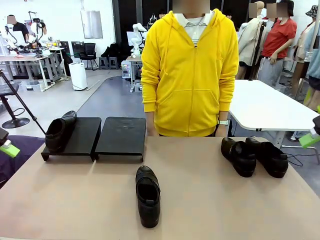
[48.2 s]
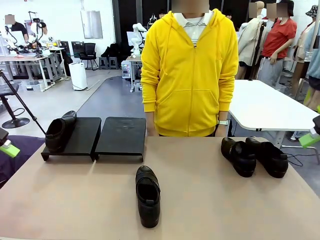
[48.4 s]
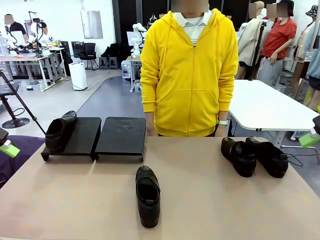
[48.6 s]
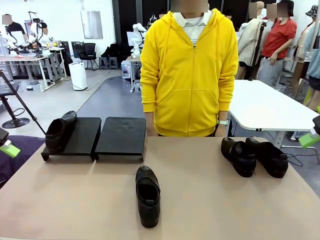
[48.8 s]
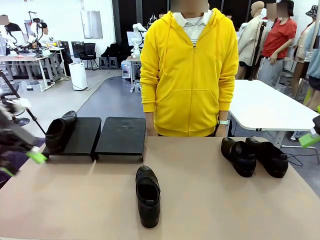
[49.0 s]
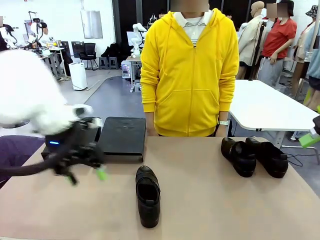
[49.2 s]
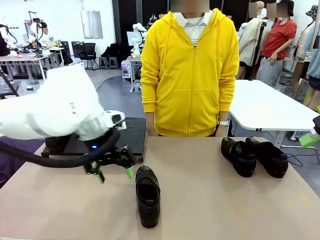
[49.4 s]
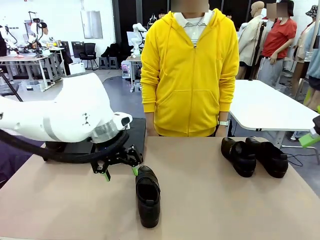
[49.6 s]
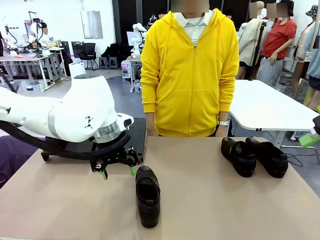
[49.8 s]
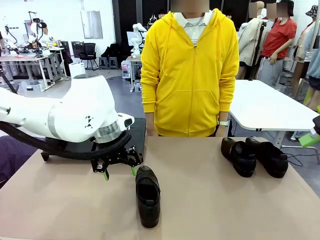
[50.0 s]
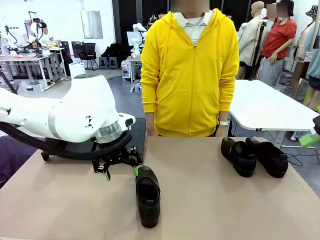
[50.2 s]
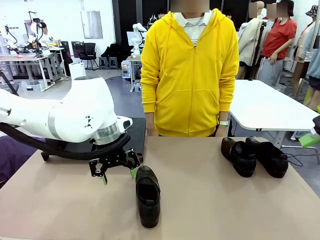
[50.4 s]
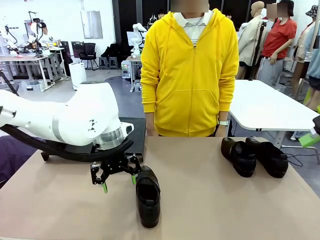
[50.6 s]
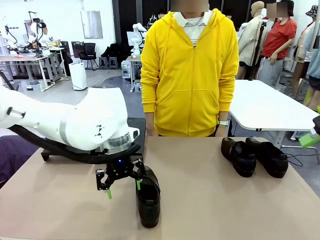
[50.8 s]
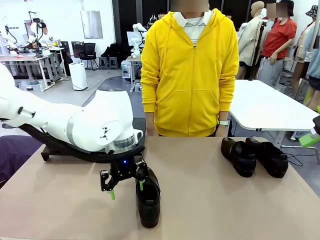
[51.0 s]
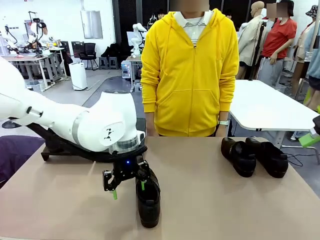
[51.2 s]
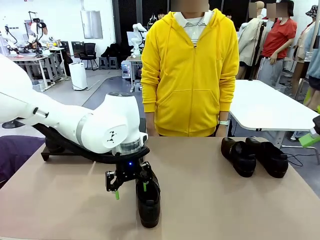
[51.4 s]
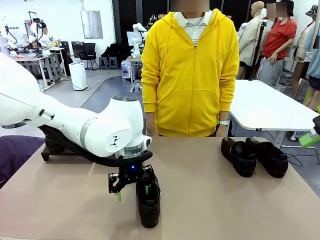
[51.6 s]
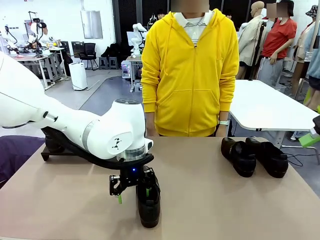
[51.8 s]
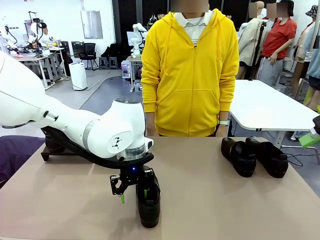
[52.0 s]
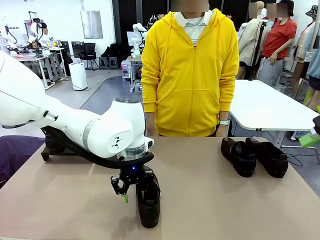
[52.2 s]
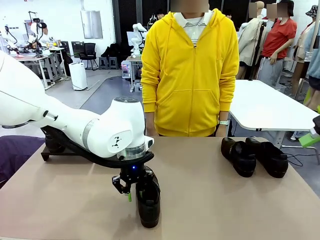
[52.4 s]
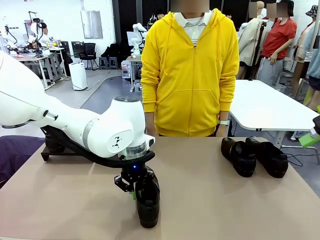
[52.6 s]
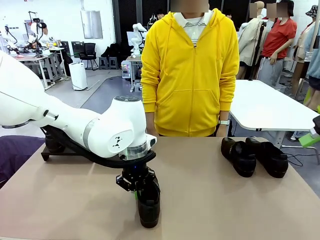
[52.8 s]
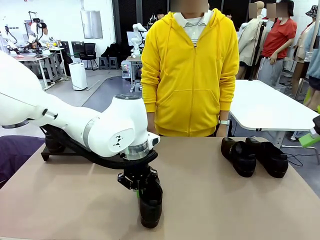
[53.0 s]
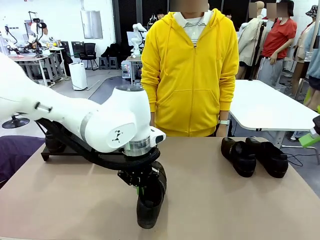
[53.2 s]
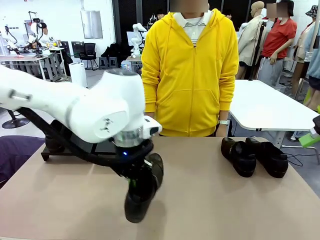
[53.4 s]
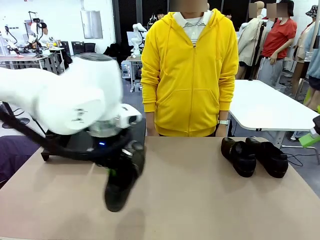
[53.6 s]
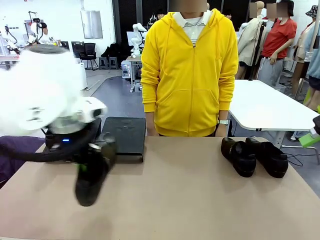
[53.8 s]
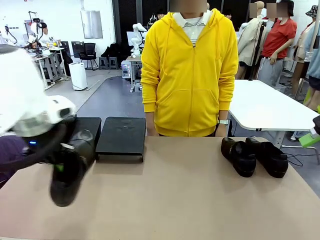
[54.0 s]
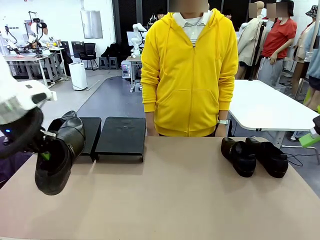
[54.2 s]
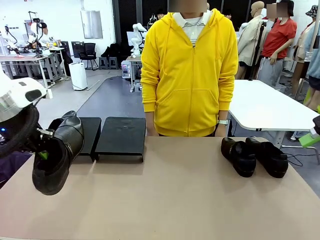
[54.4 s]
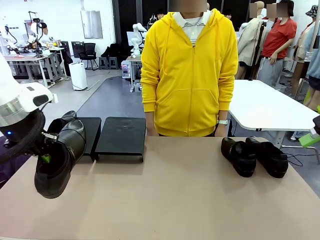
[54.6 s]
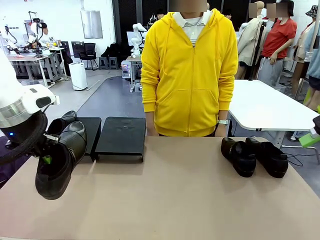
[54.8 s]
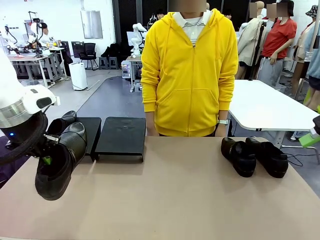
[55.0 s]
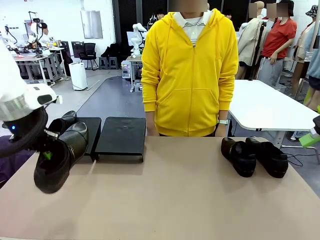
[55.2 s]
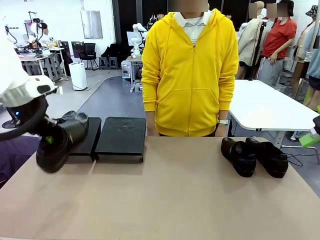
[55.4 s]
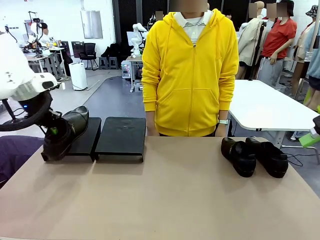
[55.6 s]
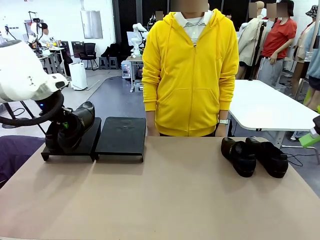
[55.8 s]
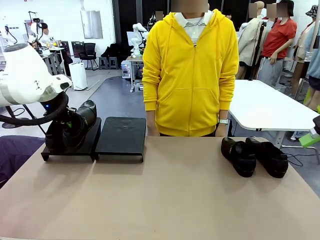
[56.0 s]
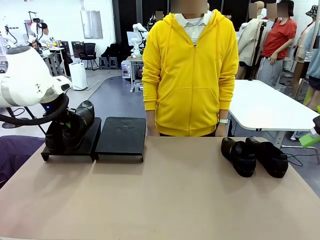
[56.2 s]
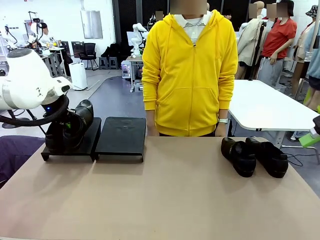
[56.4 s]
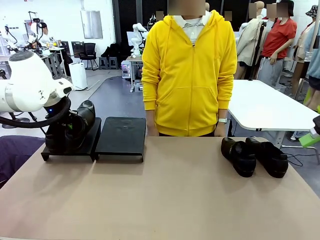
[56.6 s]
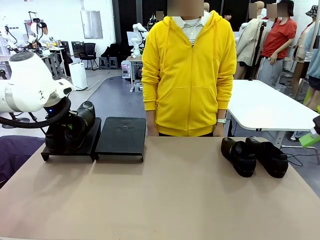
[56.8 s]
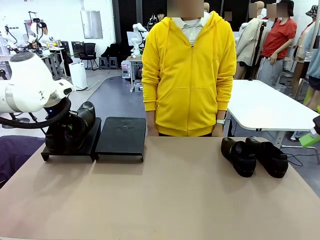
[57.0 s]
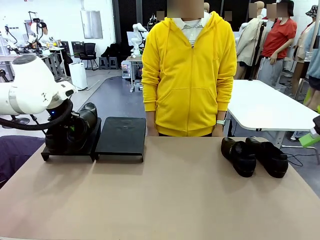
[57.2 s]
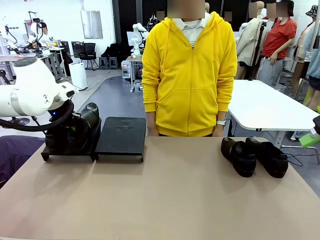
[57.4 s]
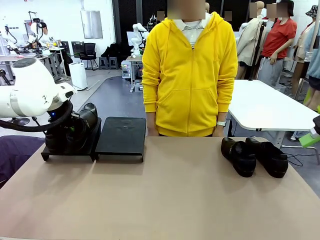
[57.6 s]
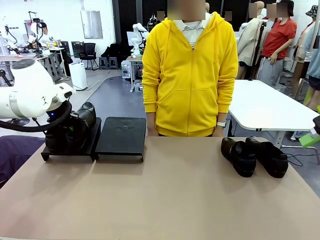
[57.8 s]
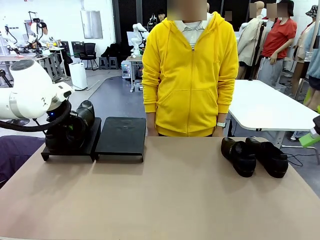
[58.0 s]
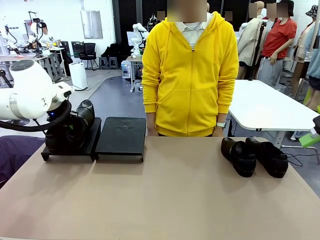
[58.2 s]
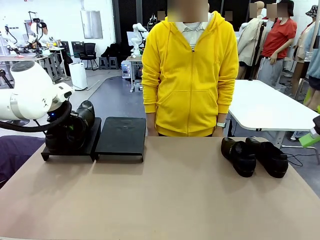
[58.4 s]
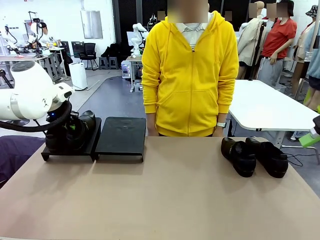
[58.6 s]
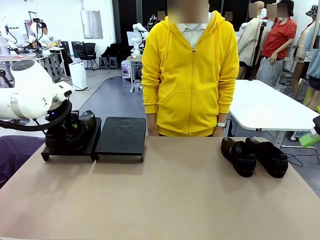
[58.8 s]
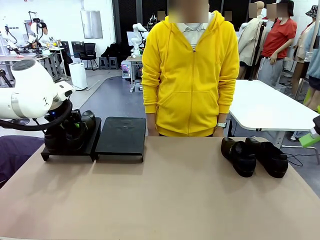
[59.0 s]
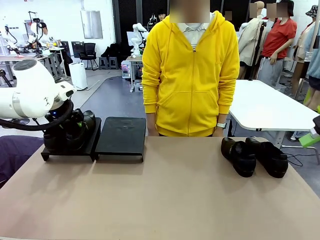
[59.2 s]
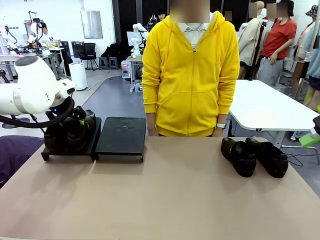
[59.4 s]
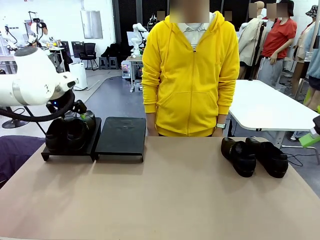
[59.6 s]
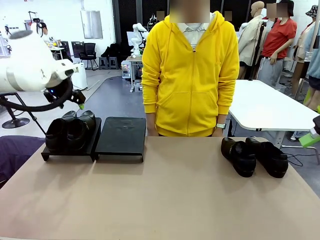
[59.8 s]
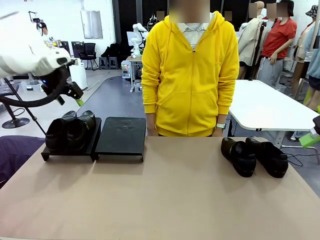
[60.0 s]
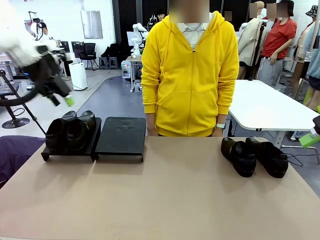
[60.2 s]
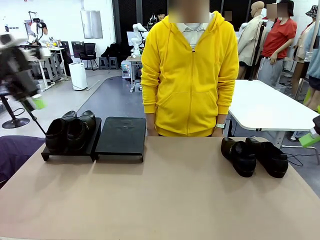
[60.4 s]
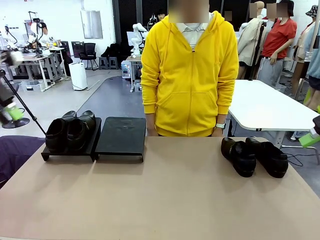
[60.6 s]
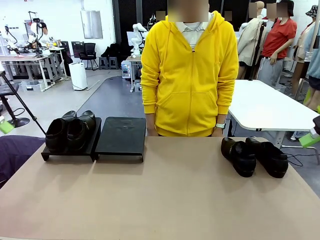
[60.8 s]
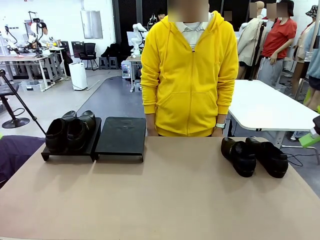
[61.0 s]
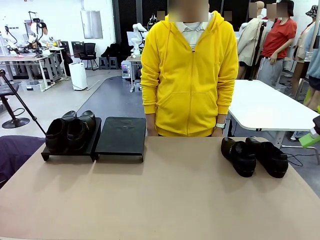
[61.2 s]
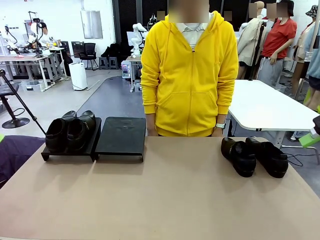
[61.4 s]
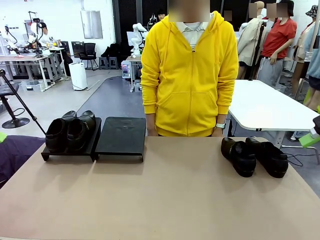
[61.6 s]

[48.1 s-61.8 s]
Task: Organize the shoes by placing them on the stand.
Robot: Place the Shoe from the middle of the table onto the Shoes Stand.

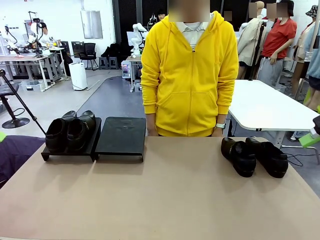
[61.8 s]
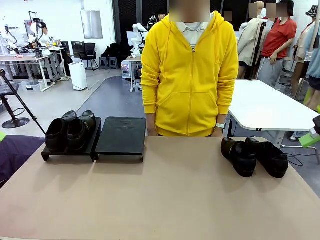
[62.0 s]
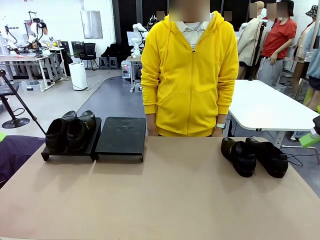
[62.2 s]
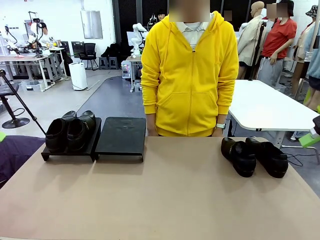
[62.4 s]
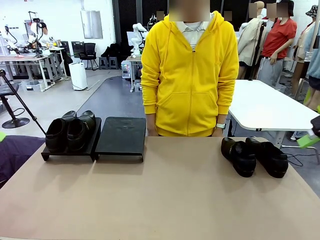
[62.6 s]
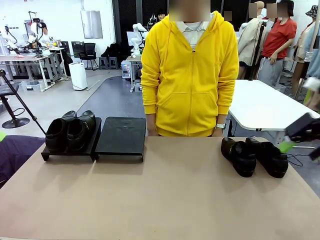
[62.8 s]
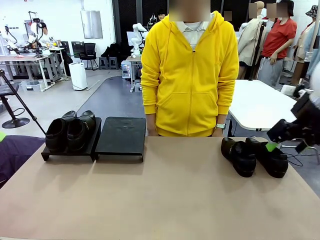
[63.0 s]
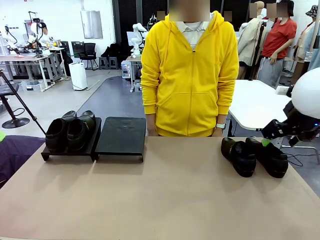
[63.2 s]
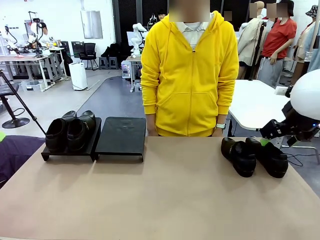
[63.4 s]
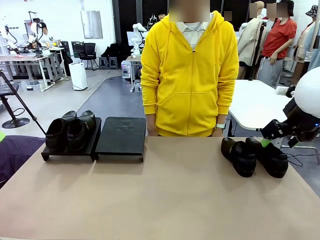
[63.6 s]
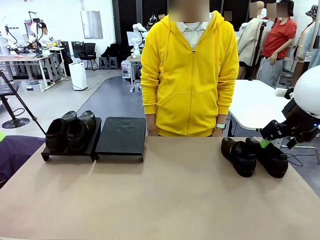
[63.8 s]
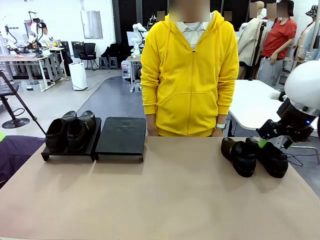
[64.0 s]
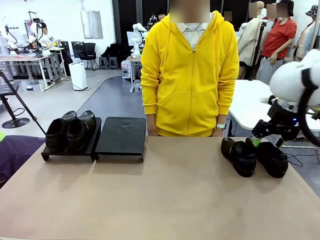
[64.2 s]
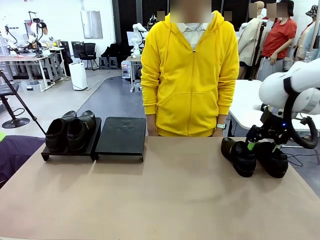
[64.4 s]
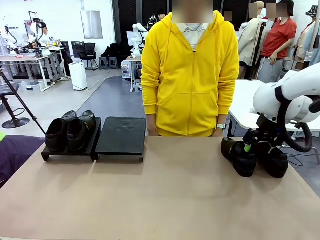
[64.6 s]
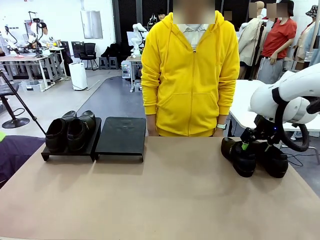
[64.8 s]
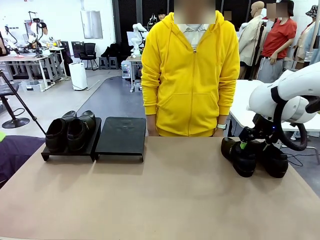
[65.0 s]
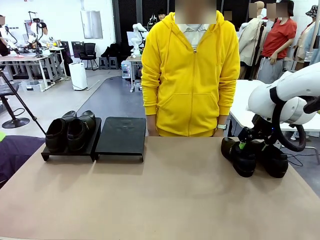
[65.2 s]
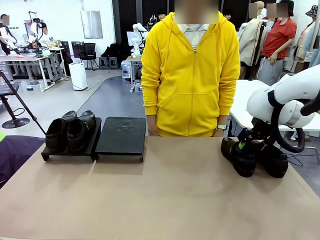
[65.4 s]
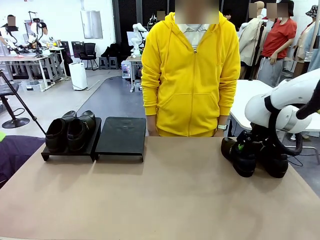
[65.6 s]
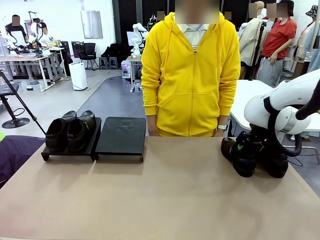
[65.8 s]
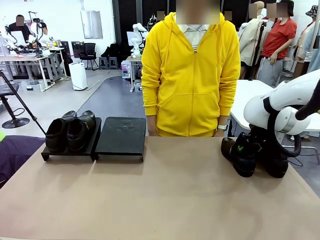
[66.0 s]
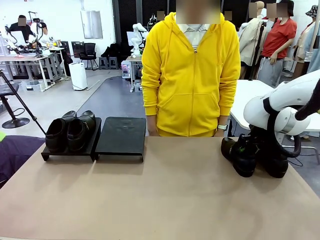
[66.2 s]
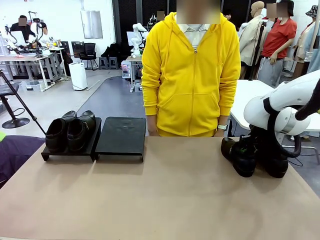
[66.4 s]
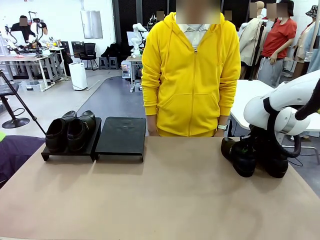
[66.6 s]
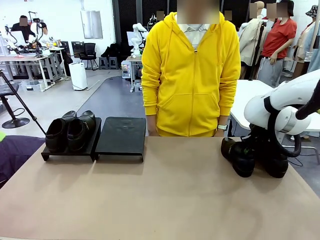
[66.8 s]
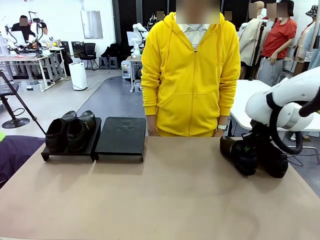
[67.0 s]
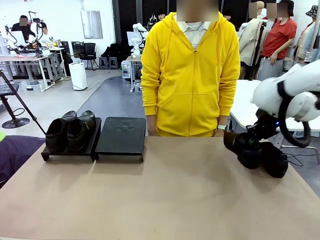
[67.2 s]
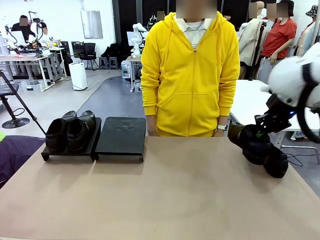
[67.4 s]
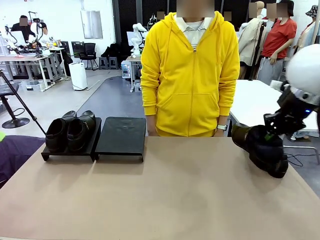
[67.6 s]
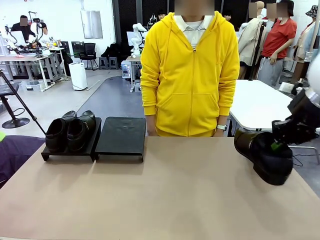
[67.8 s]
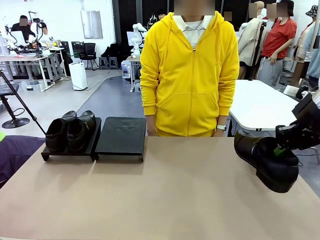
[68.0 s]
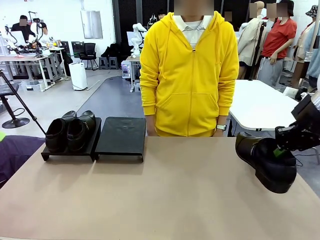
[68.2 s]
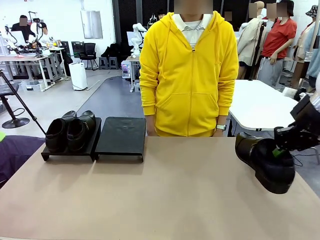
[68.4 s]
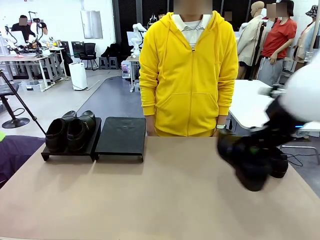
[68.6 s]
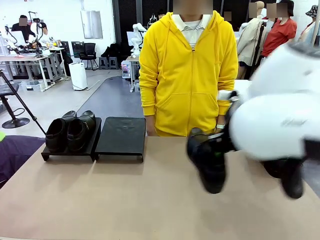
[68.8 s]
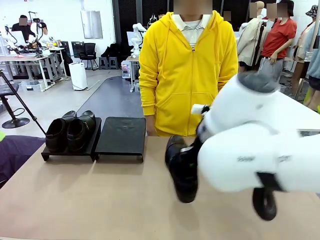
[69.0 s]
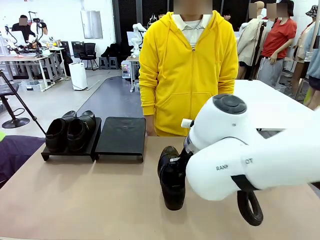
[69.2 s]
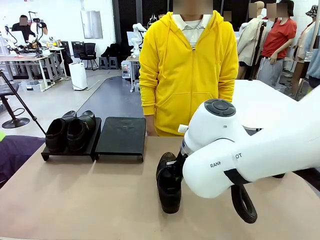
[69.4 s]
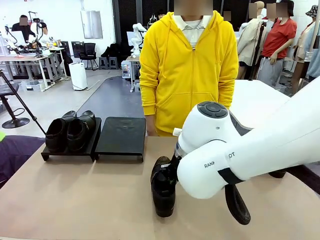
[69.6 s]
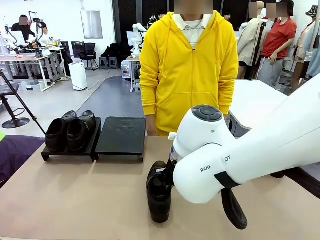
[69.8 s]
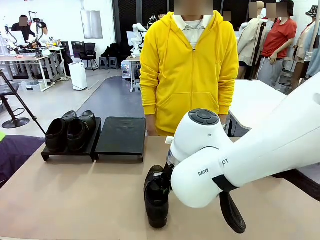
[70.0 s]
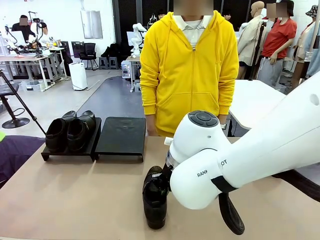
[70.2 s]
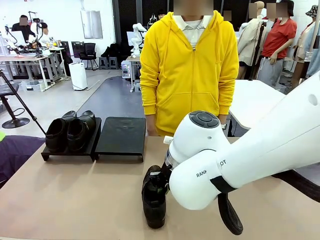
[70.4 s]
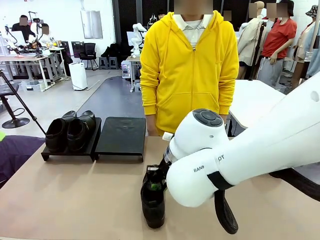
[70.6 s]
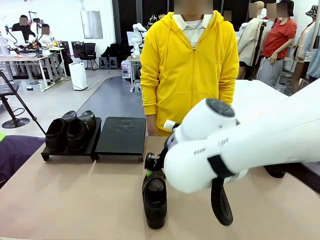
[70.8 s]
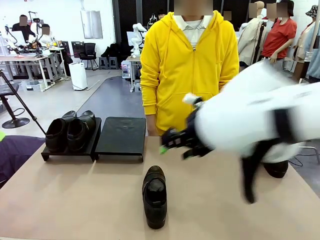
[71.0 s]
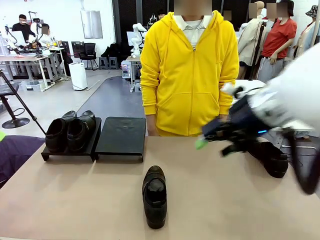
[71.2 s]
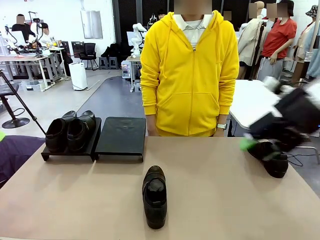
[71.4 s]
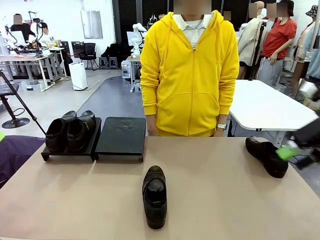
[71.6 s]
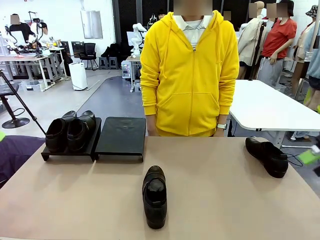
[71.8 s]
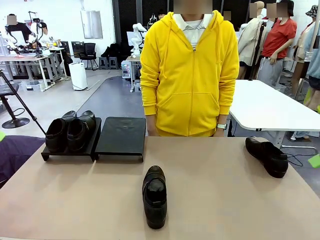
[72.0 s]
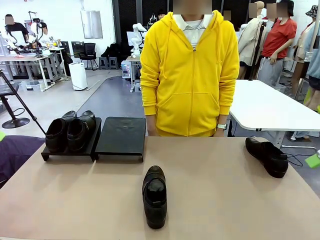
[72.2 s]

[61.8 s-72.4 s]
Robot: Pick up one Shoe and place it in the middle of the table.
